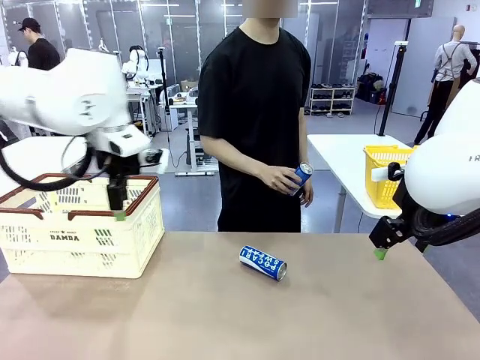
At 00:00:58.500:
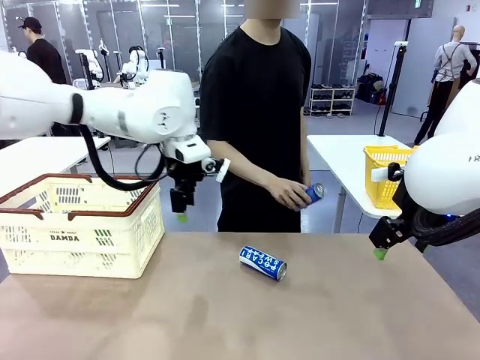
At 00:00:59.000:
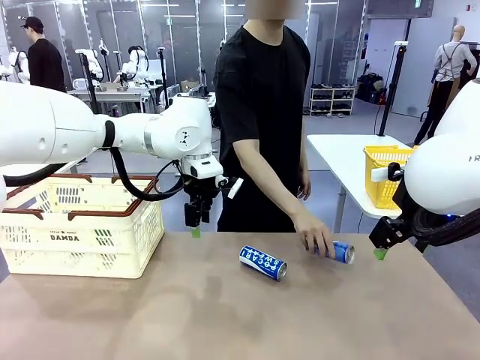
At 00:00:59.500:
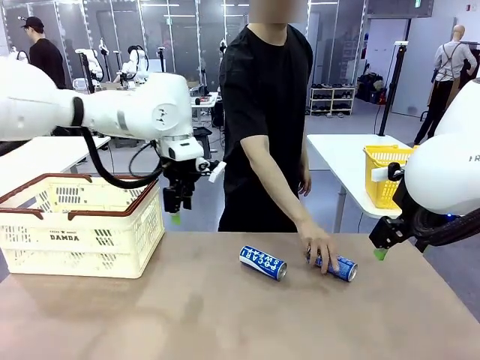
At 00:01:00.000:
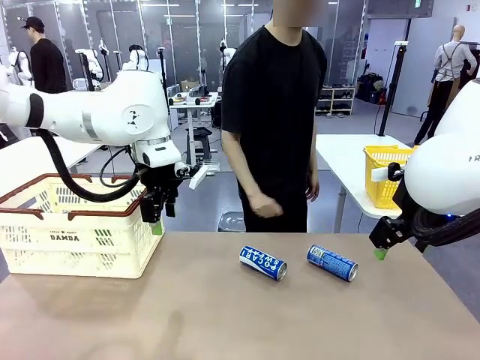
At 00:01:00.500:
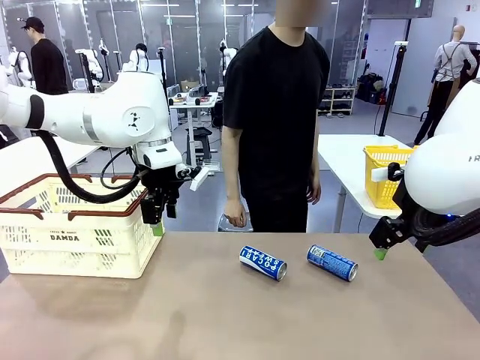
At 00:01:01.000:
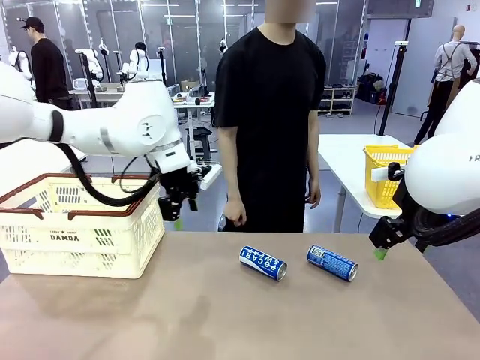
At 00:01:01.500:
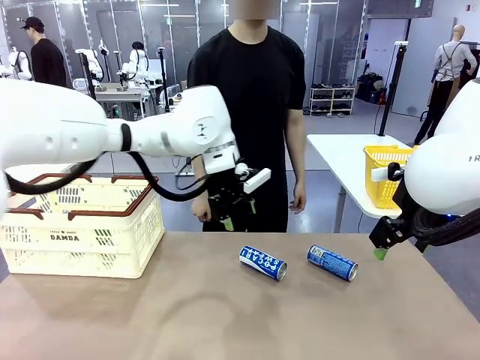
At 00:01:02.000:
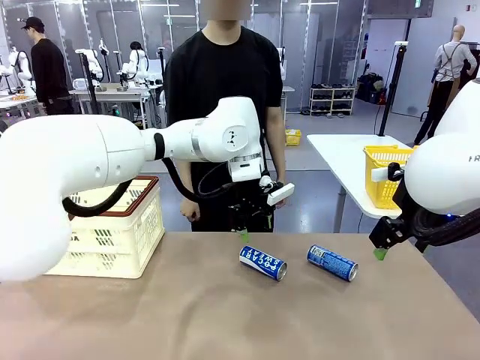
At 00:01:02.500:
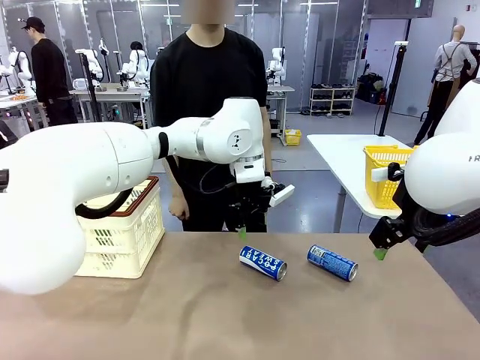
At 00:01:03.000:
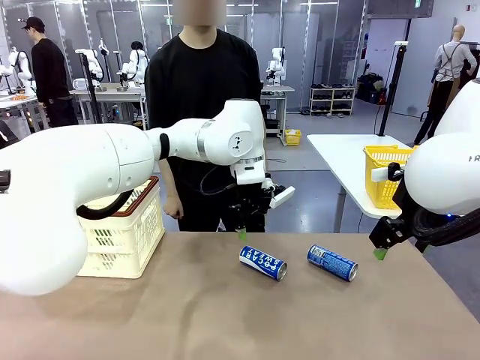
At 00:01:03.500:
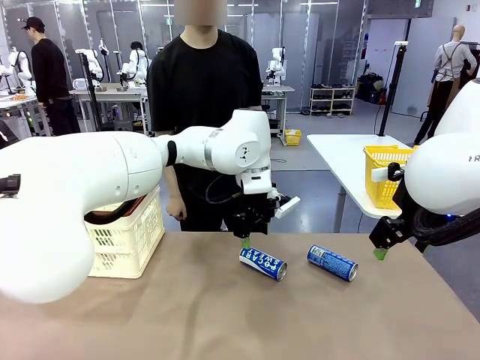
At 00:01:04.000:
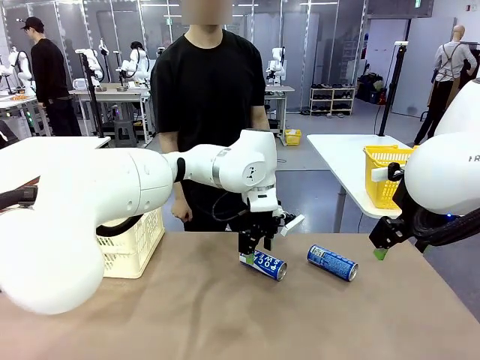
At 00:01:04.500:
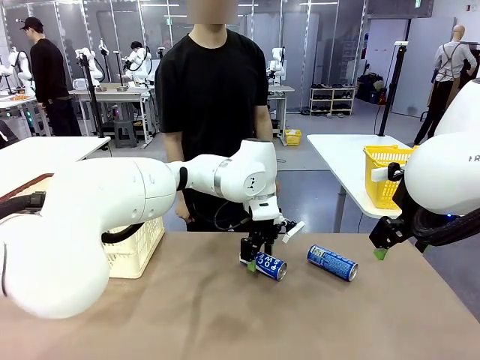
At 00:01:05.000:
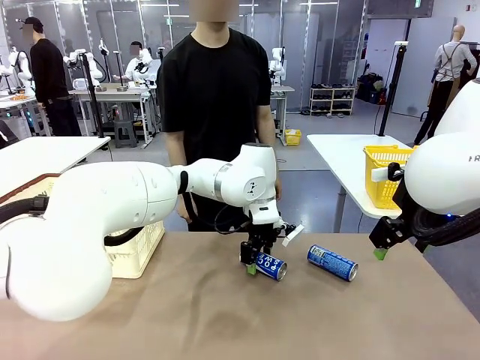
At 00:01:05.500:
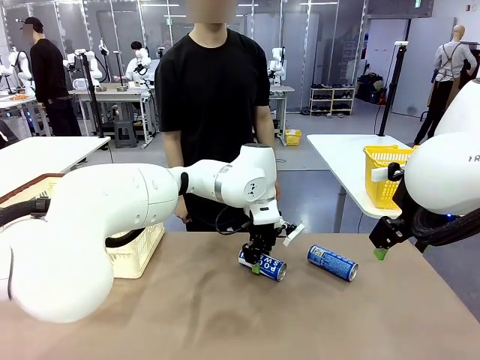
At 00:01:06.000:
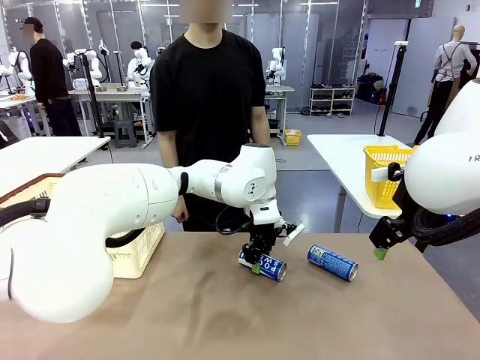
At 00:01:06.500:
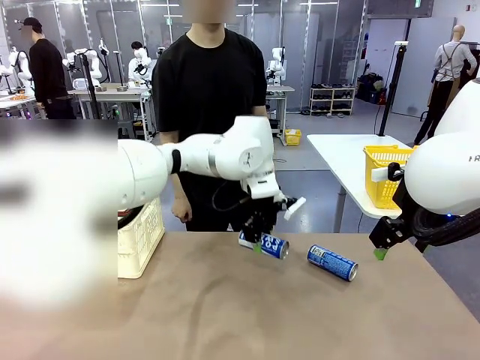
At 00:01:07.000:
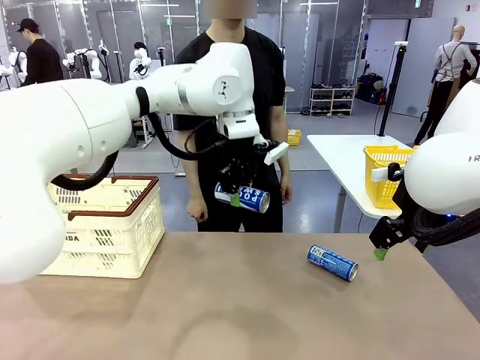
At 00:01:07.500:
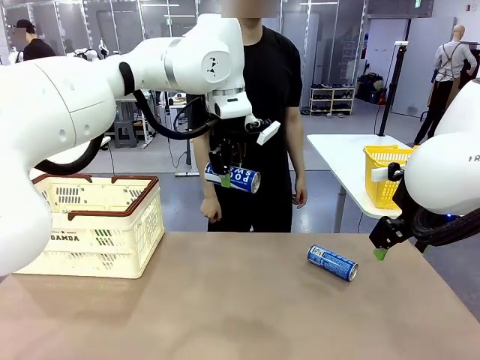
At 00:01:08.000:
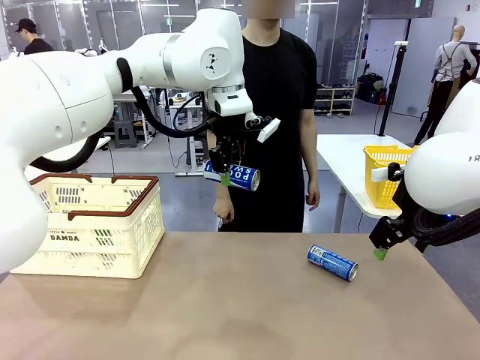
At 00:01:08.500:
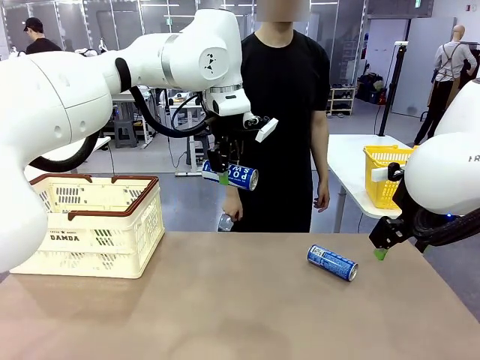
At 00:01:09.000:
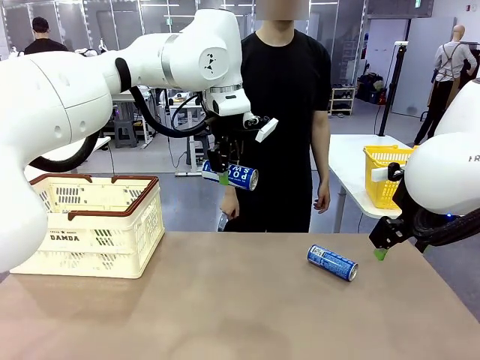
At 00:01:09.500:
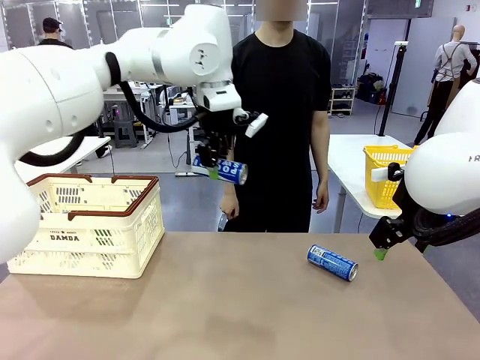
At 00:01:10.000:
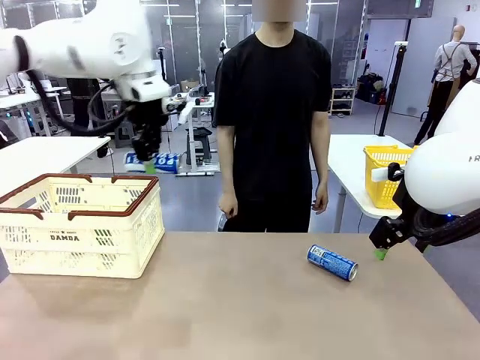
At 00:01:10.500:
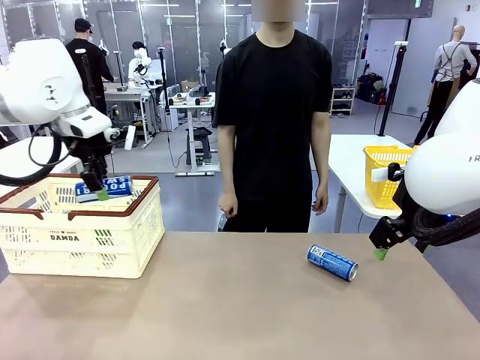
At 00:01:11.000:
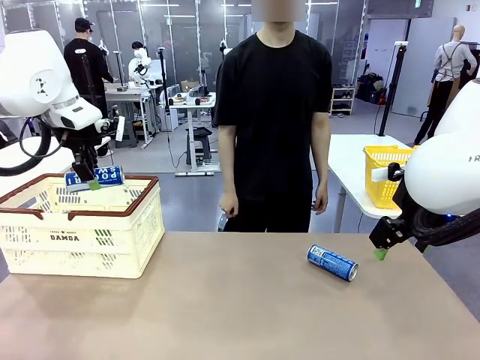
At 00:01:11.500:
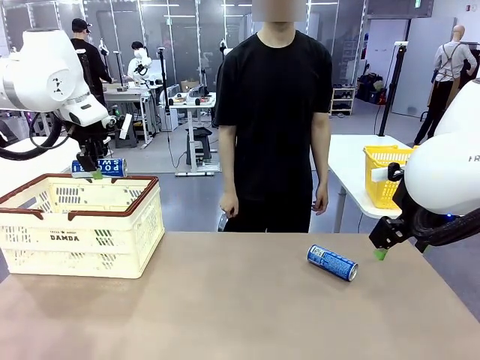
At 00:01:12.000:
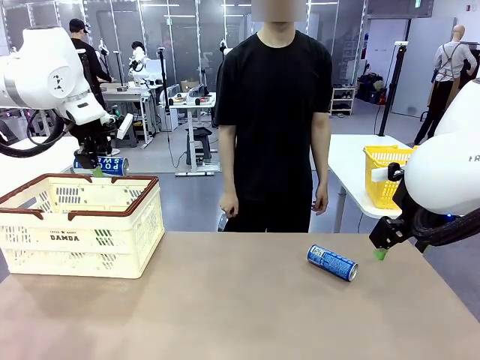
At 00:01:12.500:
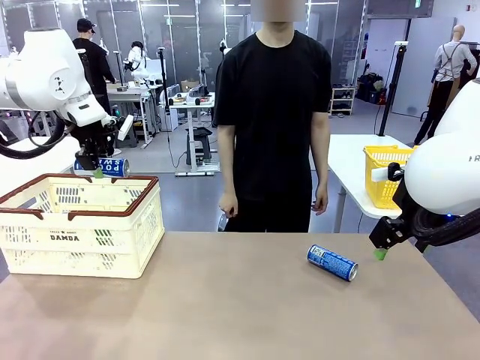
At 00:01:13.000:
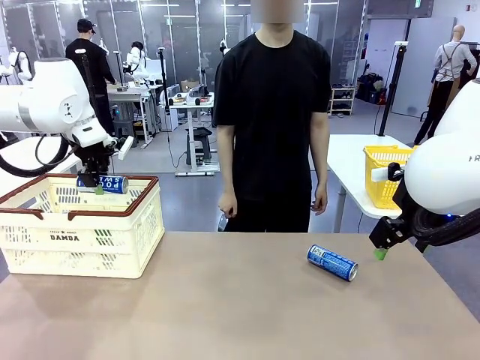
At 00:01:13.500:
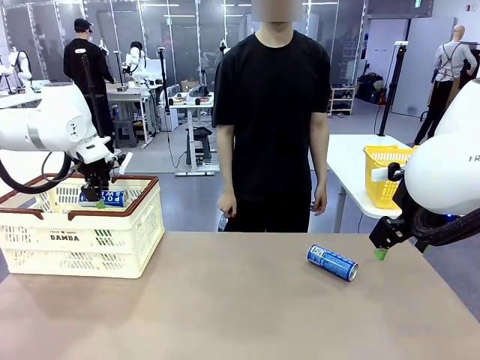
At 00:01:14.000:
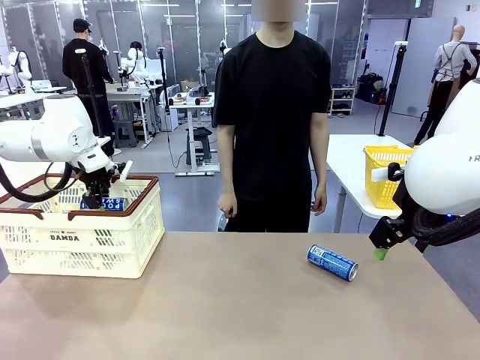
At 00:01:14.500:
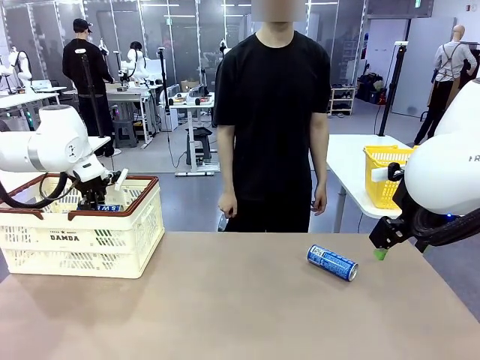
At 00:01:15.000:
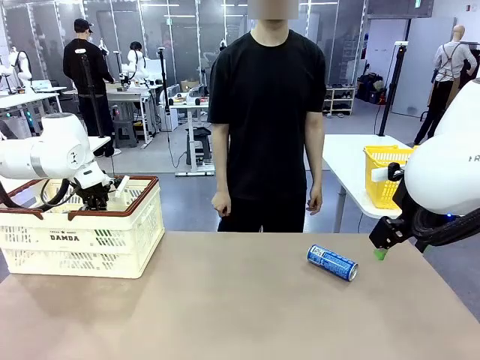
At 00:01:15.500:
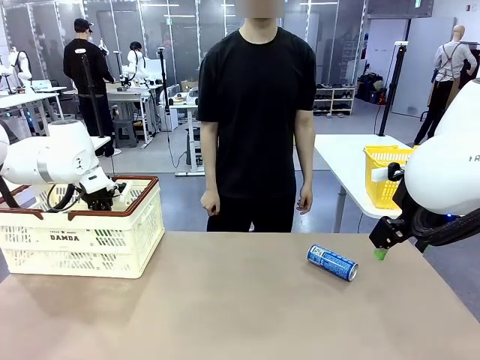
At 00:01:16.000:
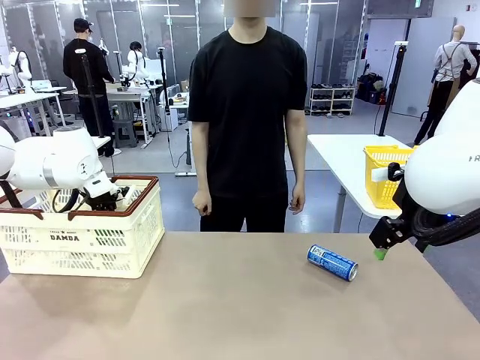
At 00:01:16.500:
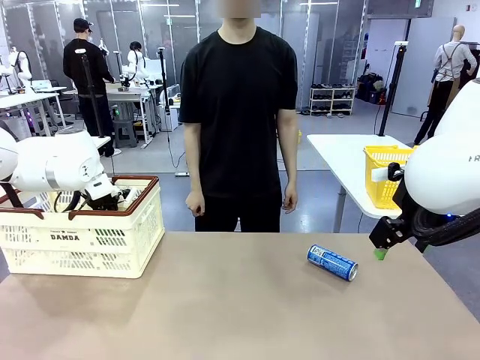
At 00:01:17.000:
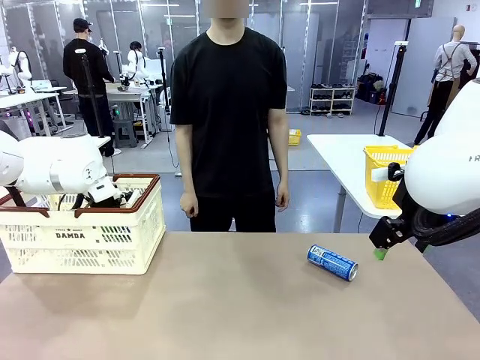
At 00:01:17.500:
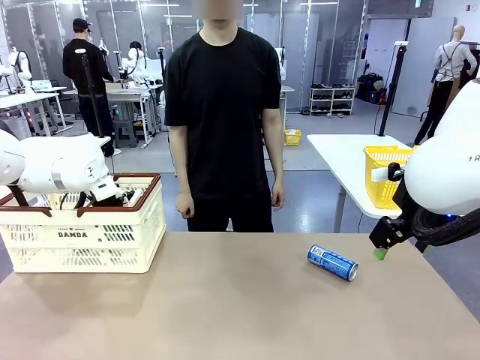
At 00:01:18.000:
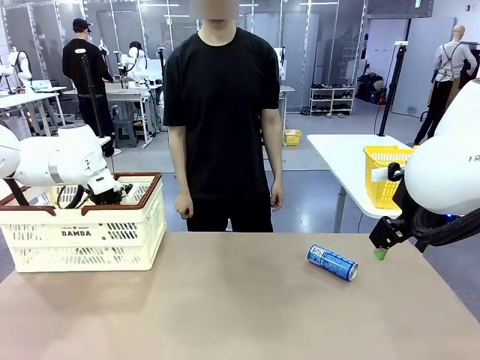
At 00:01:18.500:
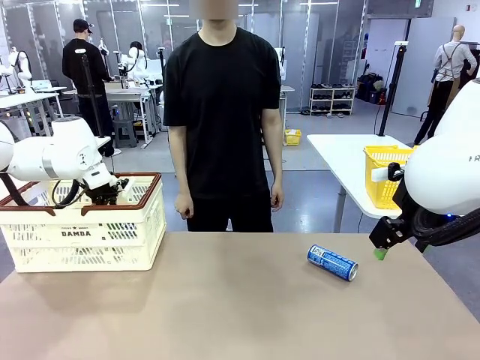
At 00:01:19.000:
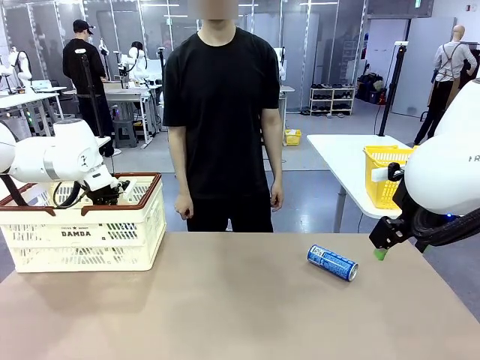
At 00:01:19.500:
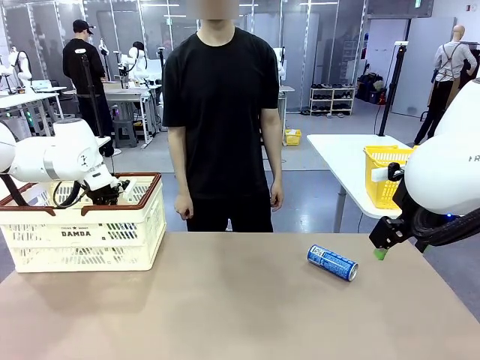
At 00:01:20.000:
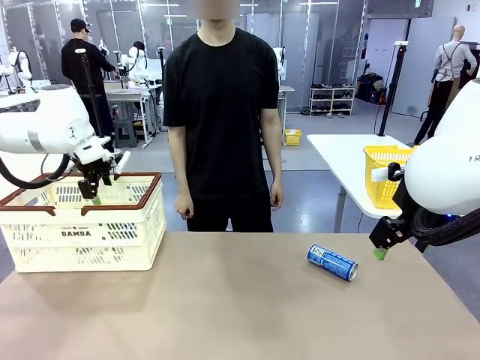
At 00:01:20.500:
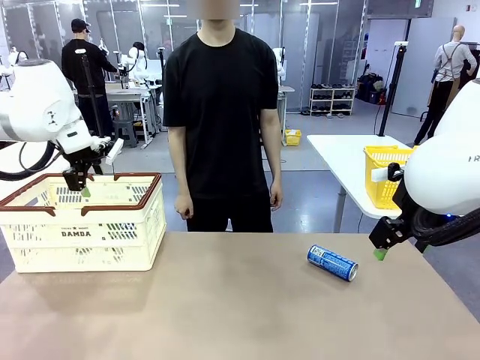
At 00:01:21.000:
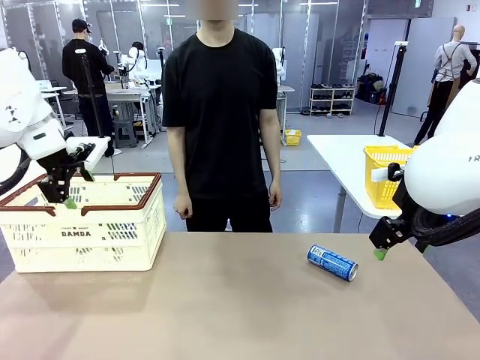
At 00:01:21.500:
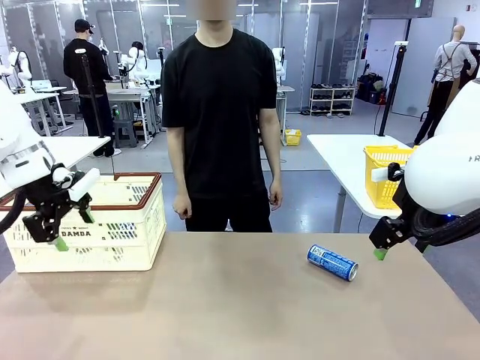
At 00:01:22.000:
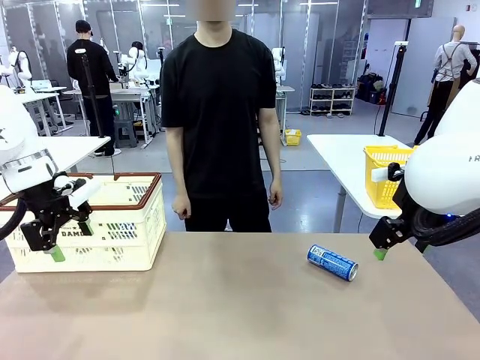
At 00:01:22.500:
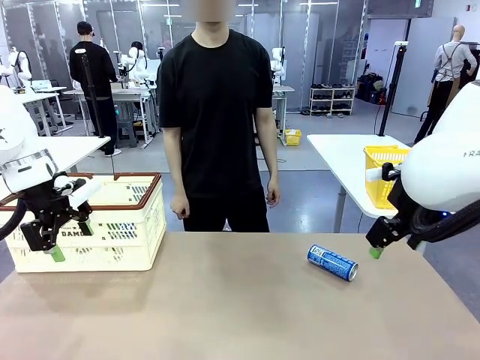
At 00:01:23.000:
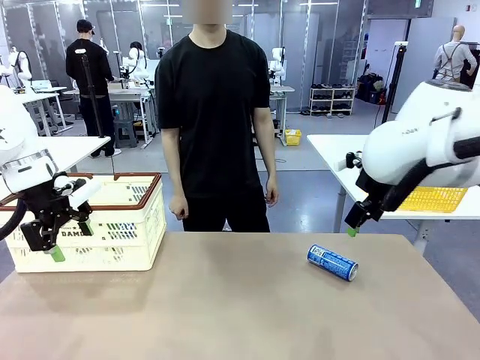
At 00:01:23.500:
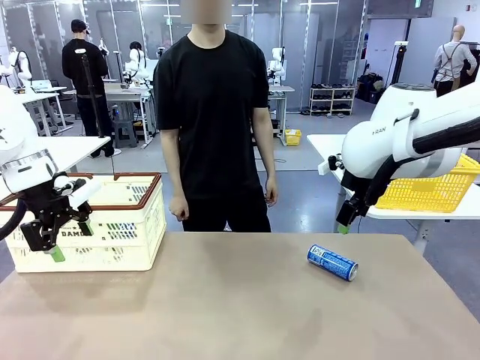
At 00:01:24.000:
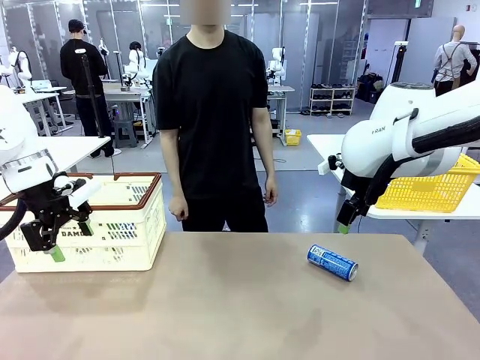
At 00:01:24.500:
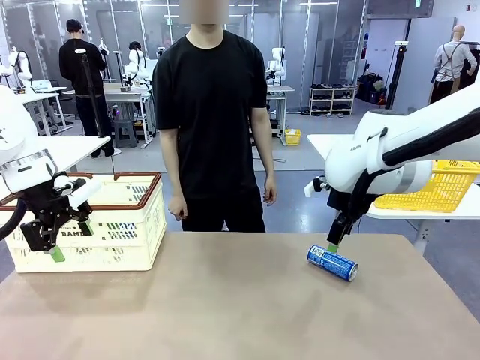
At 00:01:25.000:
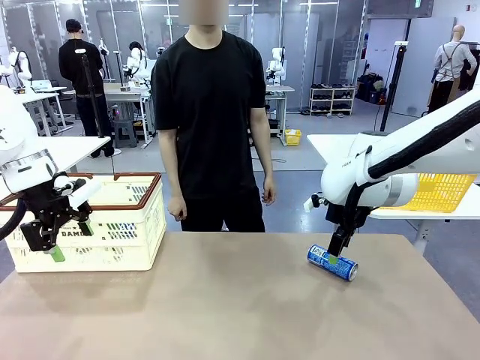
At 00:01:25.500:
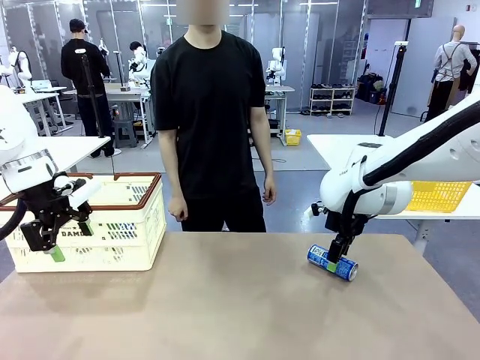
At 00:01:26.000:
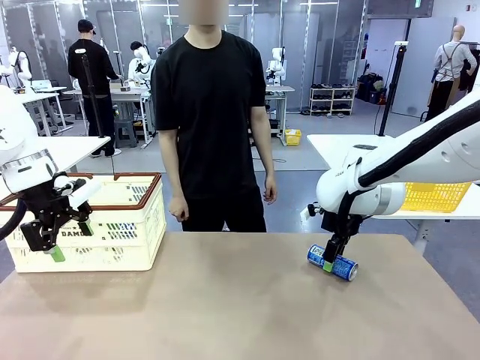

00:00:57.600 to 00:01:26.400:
Task: Place the drinks into the Shopping basket.
Robot: Pick up one drink and place it into the Shopping basket.
